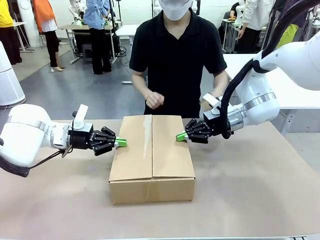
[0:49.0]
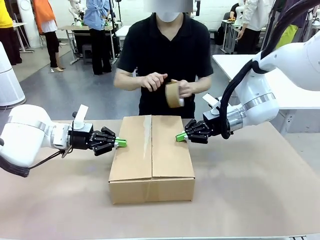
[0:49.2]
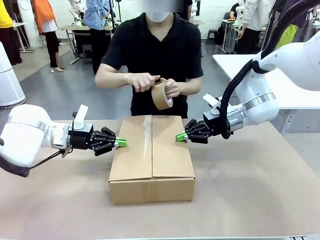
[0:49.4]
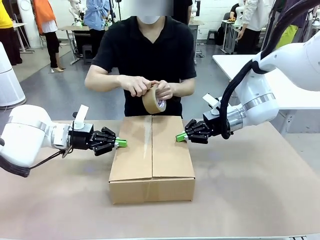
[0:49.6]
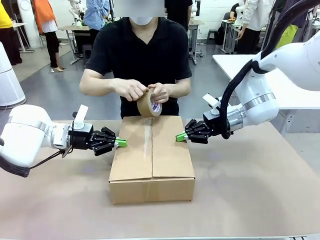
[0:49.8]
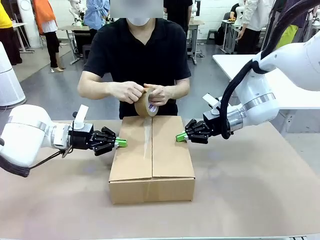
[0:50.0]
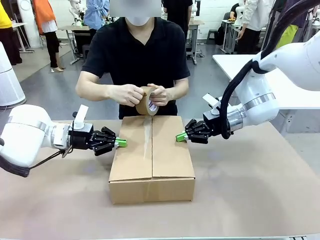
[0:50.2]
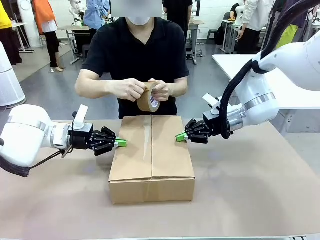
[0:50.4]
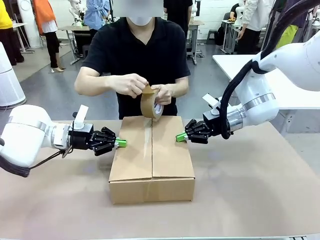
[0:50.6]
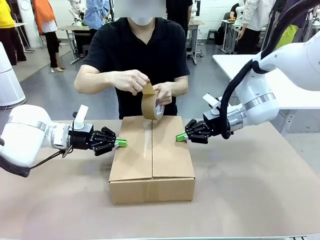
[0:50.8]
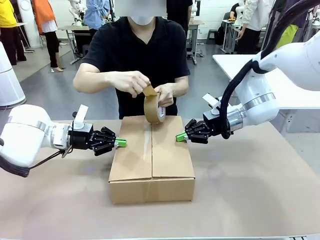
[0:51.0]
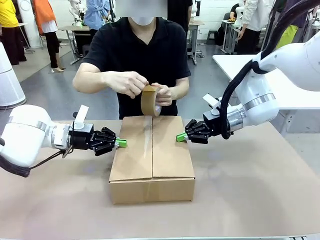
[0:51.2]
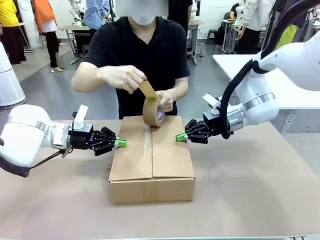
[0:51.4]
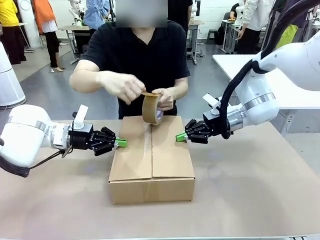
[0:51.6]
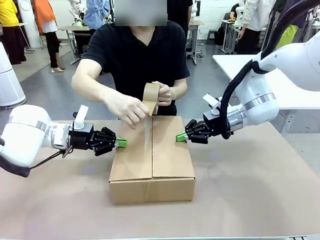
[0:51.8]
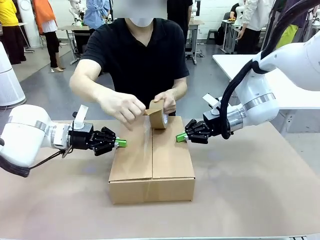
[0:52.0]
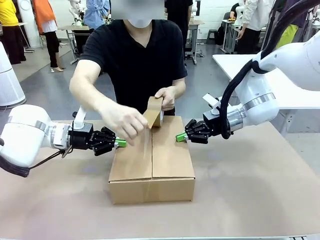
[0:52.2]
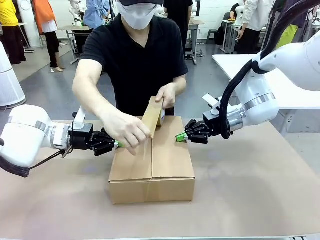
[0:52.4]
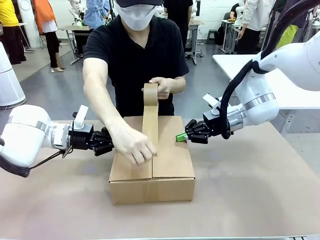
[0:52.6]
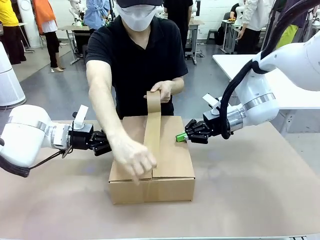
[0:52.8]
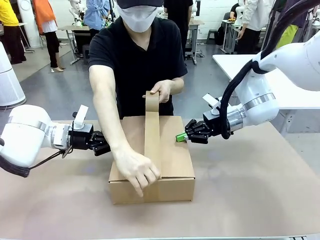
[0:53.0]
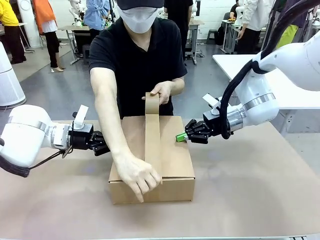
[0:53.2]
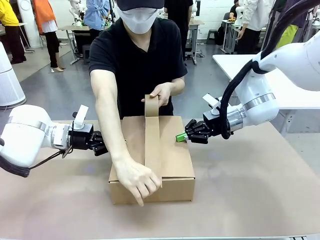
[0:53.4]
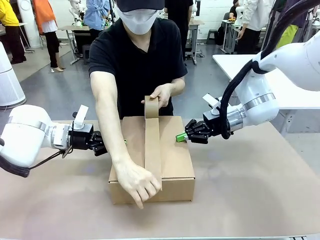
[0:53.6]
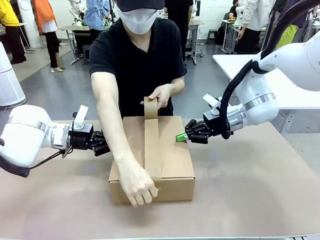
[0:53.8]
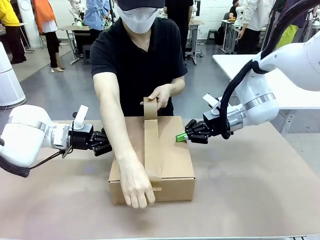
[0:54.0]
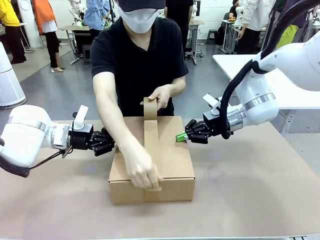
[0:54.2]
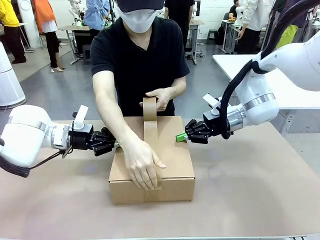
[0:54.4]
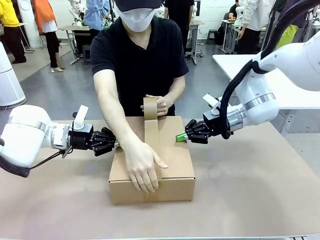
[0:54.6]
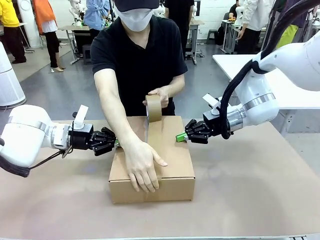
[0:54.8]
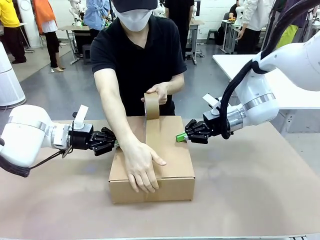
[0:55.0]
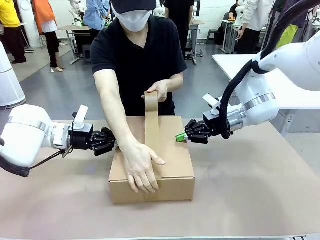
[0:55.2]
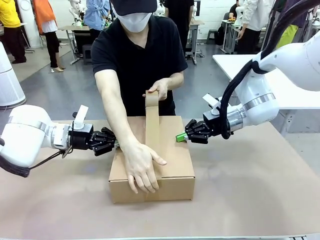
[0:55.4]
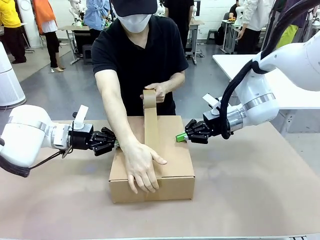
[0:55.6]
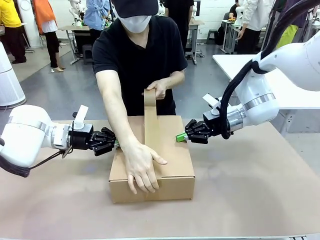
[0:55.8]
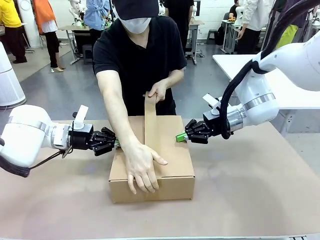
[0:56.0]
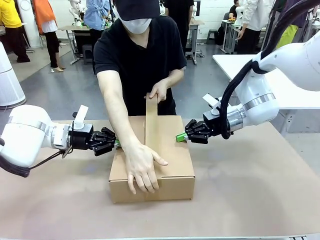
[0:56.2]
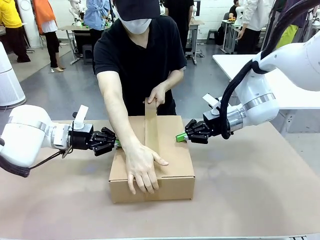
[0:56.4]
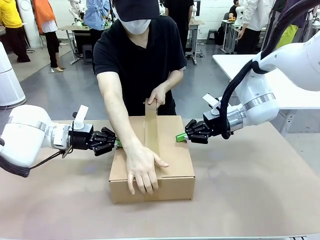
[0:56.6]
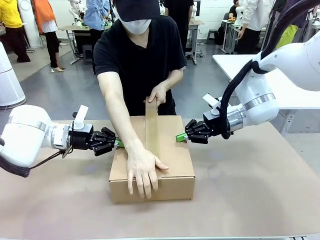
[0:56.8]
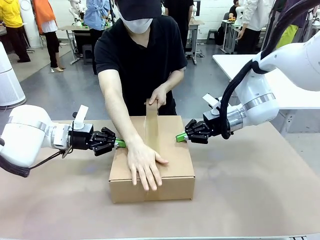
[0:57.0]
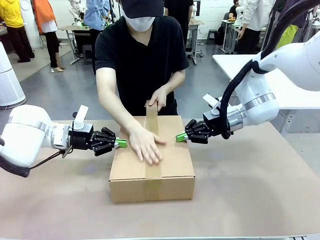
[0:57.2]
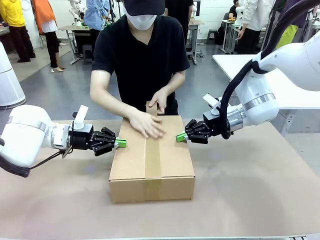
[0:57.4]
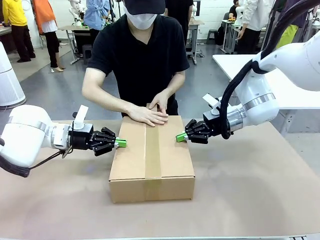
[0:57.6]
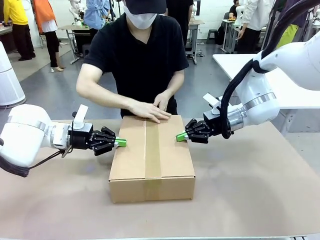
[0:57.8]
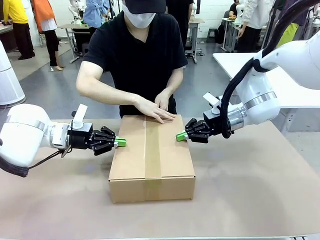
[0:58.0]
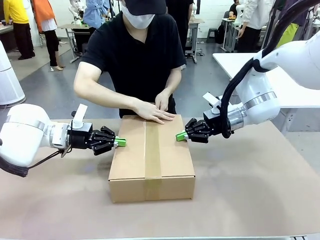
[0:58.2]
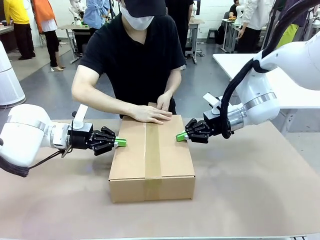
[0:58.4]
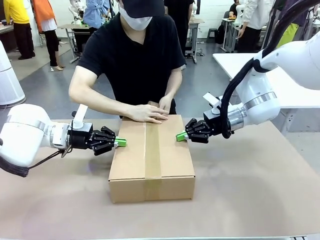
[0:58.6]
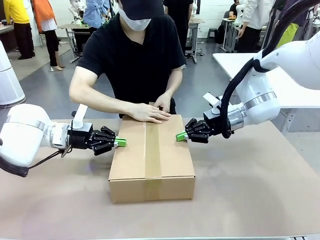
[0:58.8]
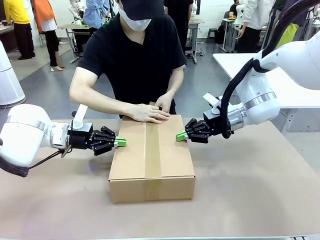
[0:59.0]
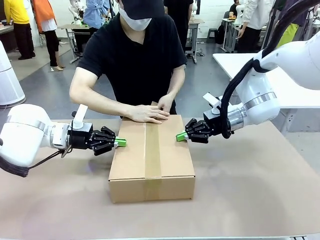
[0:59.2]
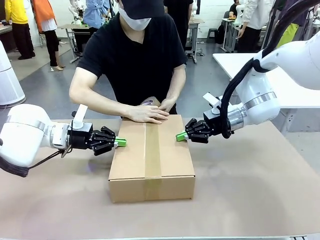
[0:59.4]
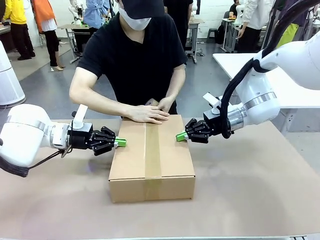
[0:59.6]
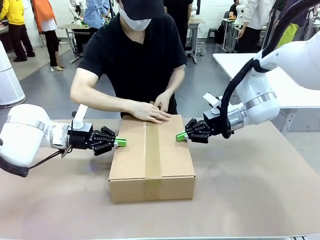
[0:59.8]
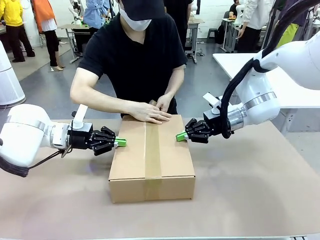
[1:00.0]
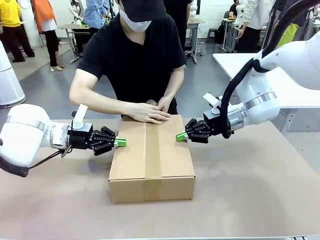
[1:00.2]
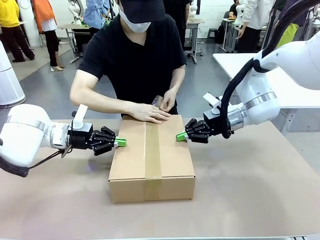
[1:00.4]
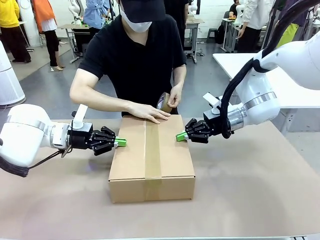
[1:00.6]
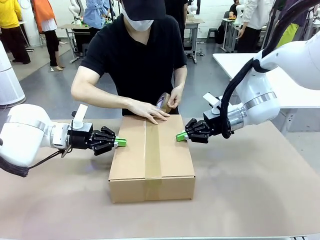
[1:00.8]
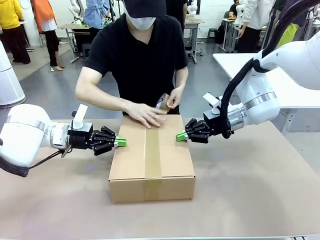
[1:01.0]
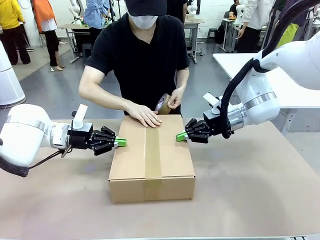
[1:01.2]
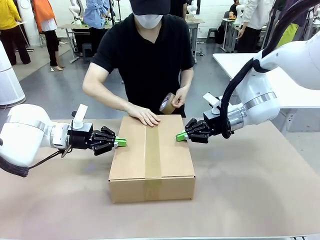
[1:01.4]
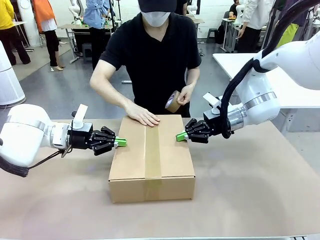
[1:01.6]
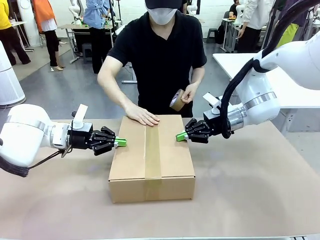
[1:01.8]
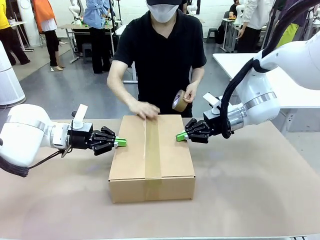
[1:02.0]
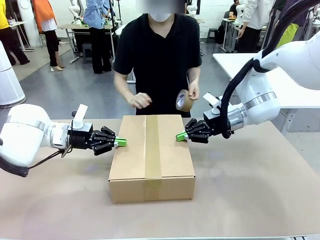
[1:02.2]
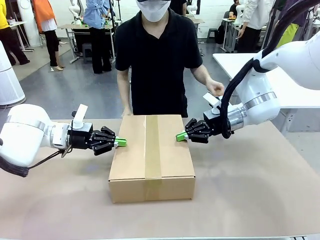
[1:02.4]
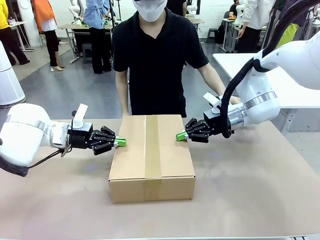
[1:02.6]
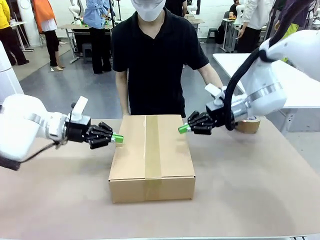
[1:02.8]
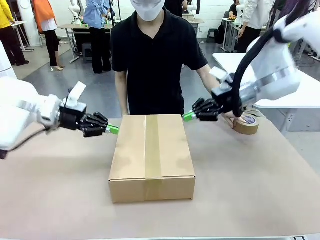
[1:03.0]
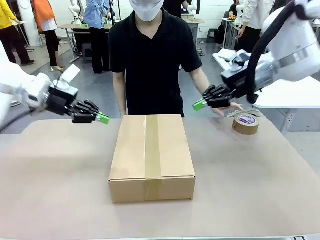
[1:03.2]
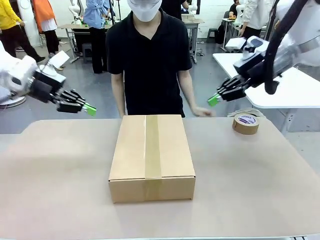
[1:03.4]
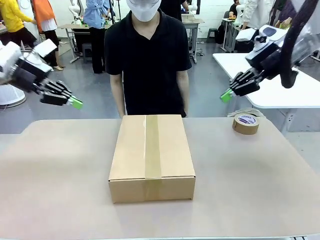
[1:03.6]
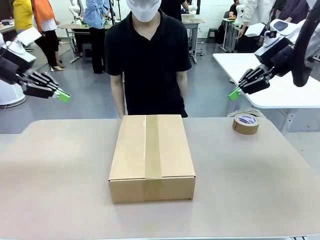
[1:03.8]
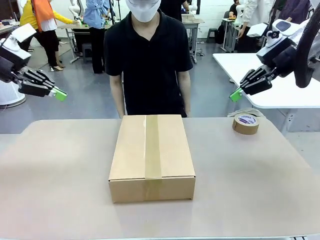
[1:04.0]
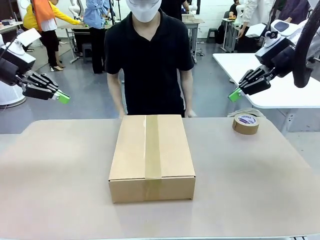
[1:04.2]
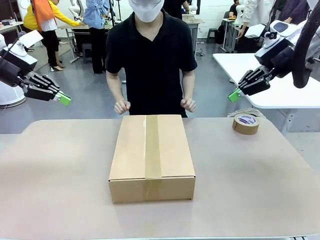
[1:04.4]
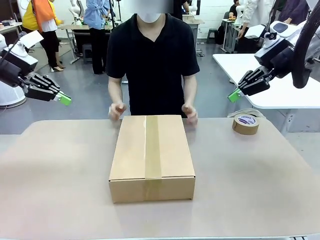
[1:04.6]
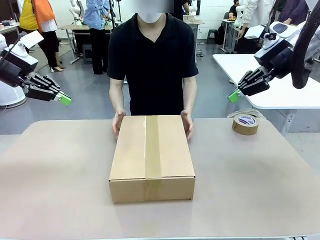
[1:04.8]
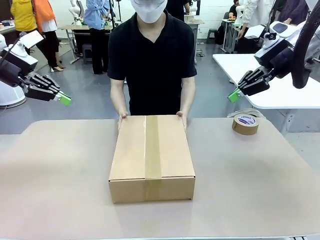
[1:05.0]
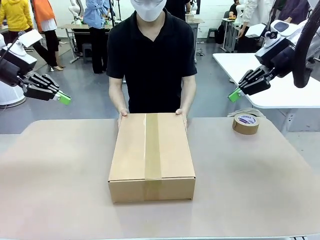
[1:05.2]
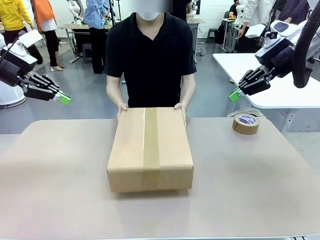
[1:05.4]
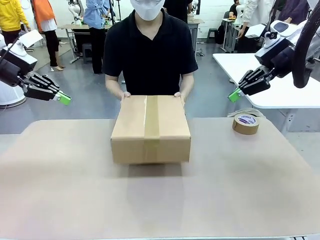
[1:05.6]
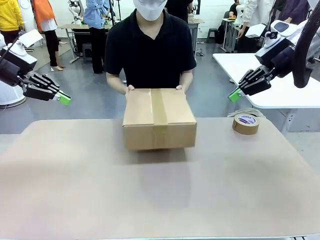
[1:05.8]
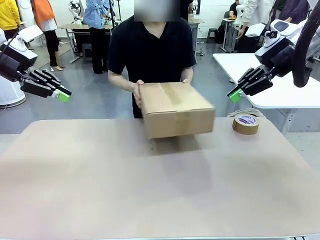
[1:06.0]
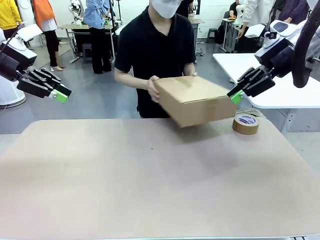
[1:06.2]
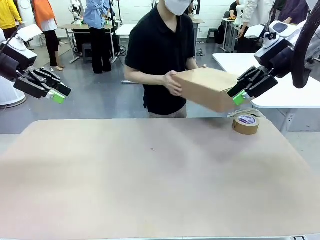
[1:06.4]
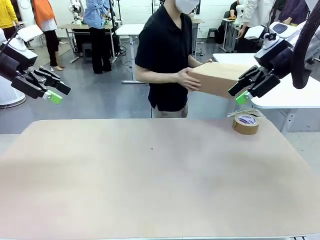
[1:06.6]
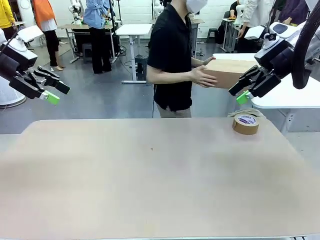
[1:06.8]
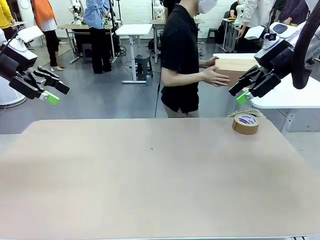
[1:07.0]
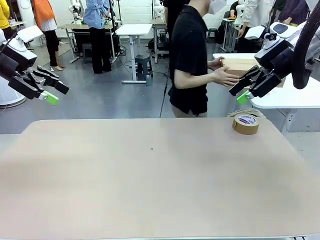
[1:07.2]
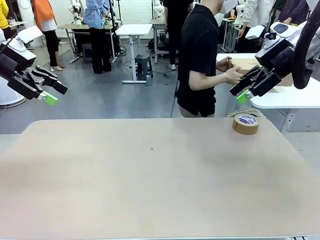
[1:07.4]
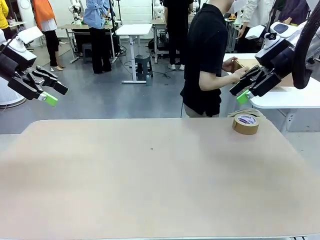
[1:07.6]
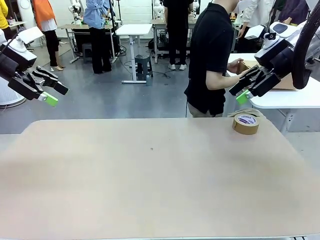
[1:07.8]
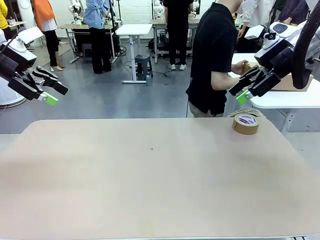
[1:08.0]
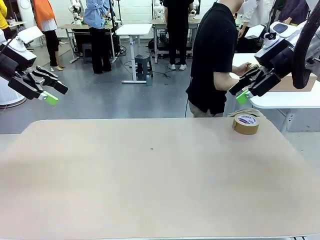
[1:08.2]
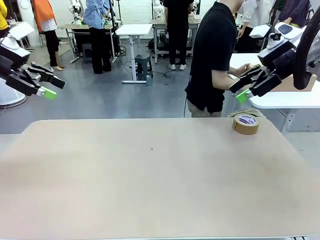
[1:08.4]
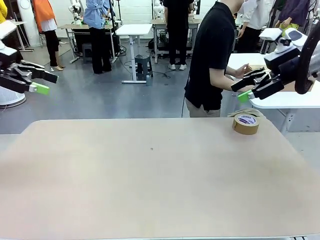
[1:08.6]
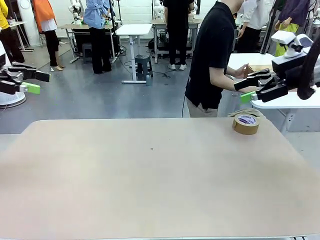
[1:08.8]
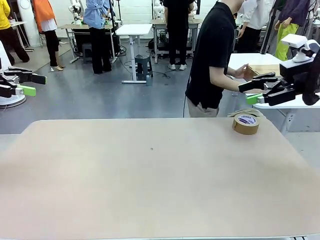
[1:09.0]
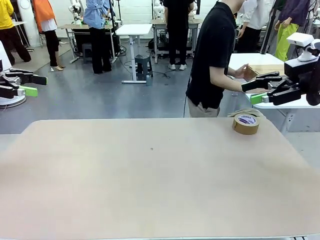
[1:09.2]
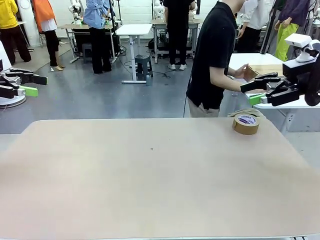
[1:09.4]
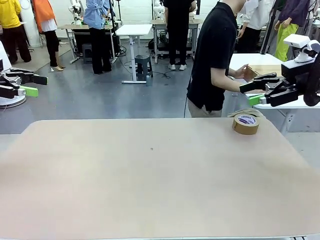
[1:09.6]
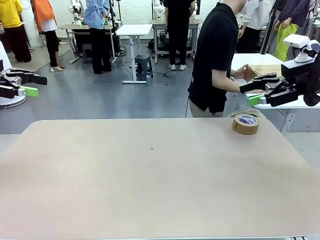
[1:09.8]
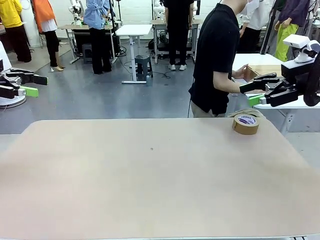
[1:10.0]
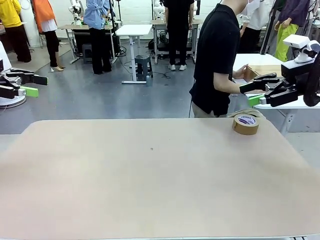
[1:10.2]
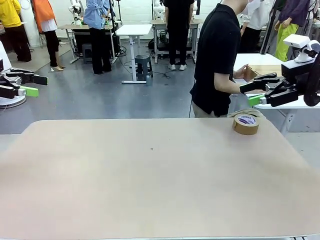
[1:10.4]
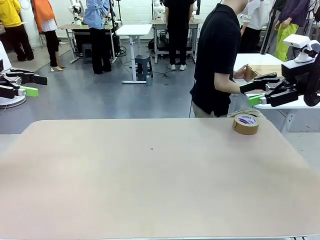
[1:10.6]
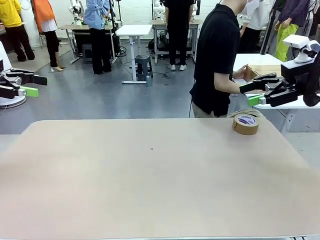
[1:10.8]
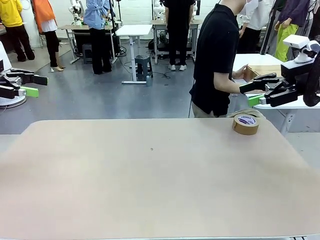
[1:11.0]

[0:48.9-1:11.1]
Task: Wrap the clocks to prevent damage.
Robot: After the human seals the box with tape, release both hands from the side flaps of the Package Box.
Person: Once the robot closes the left flap of the Package Box , seal the box with Paper Tape. Place sealed Package Box in the middle of the human's table.
